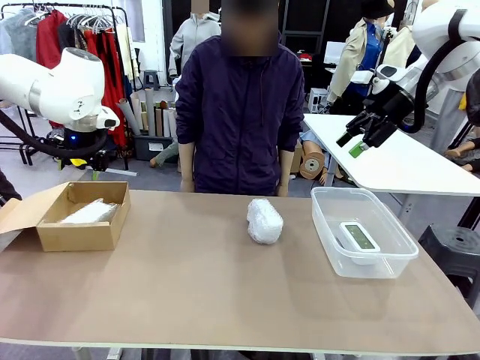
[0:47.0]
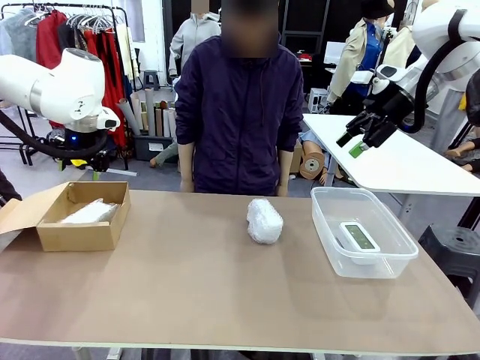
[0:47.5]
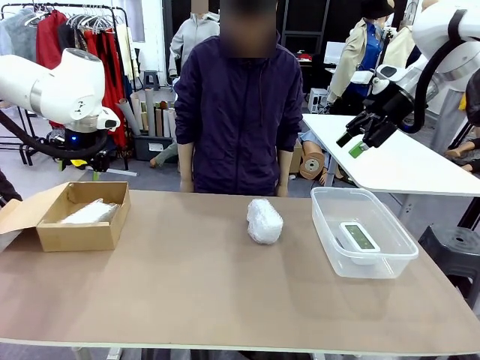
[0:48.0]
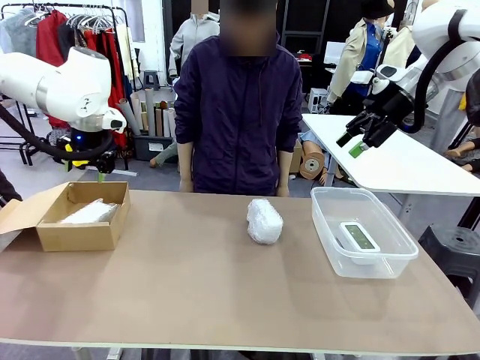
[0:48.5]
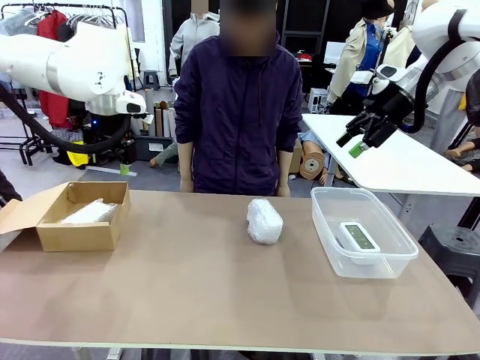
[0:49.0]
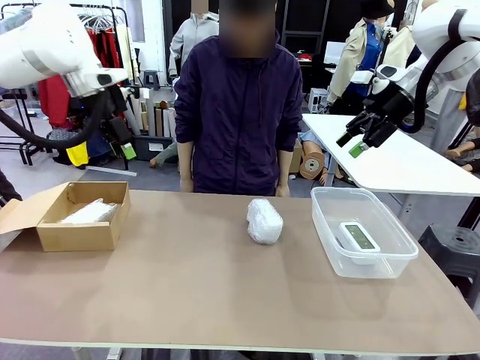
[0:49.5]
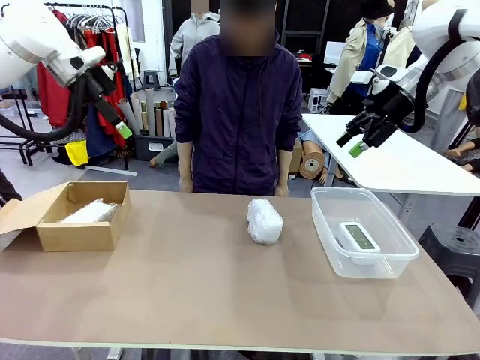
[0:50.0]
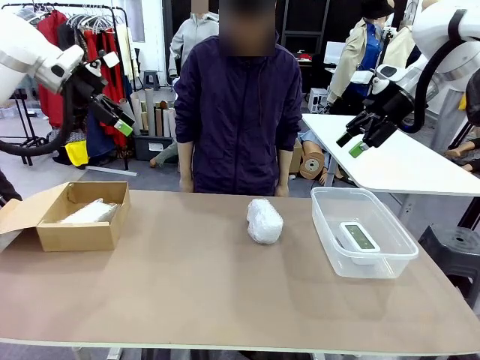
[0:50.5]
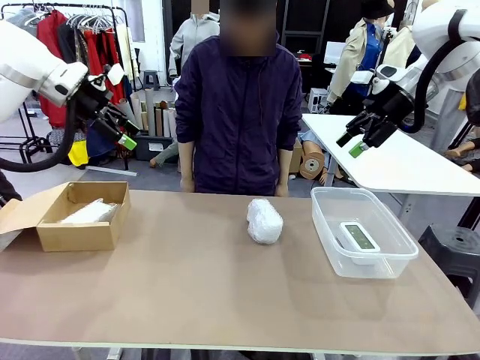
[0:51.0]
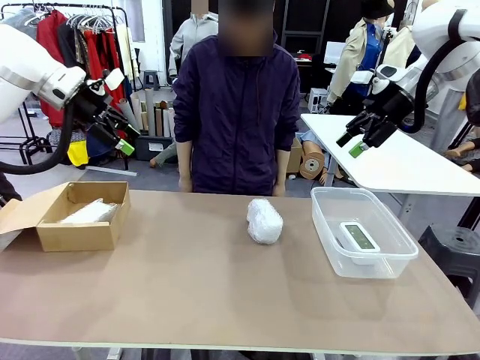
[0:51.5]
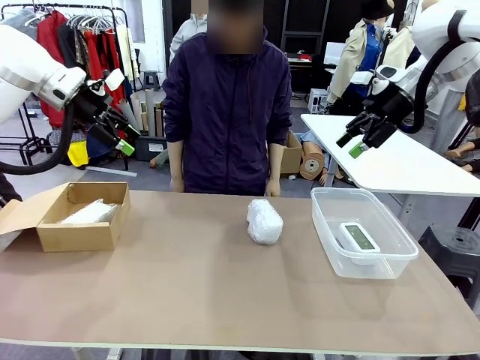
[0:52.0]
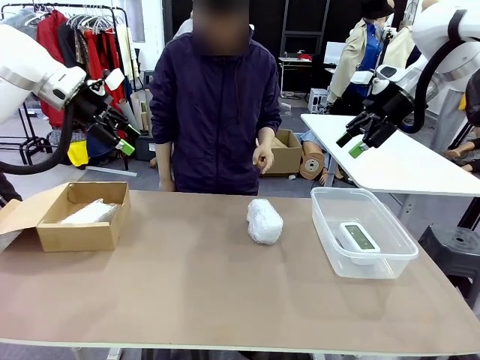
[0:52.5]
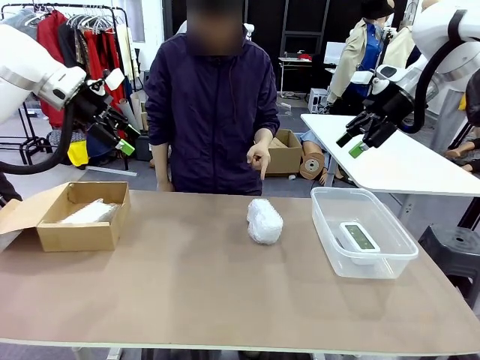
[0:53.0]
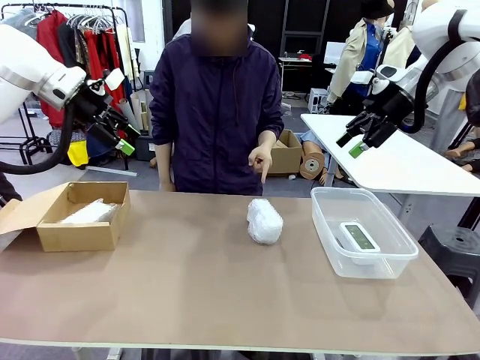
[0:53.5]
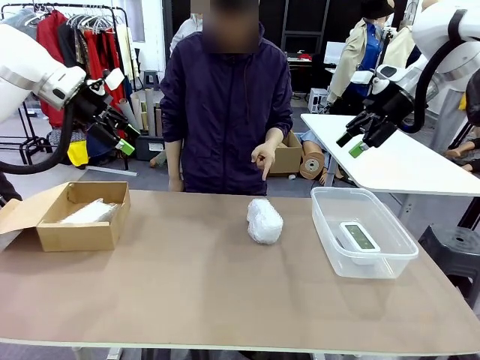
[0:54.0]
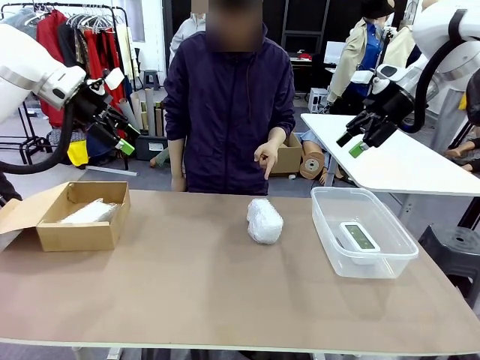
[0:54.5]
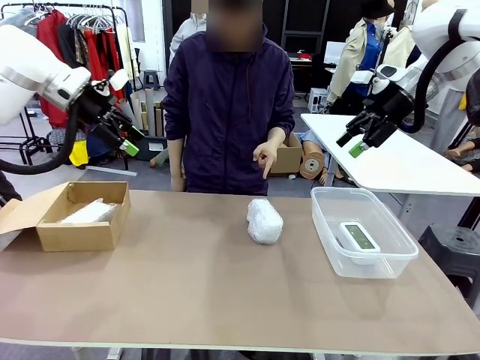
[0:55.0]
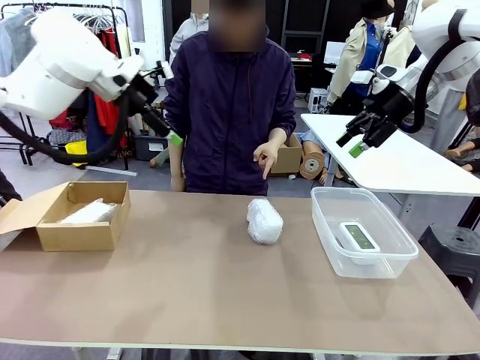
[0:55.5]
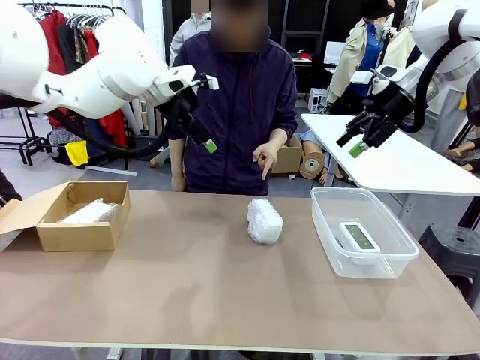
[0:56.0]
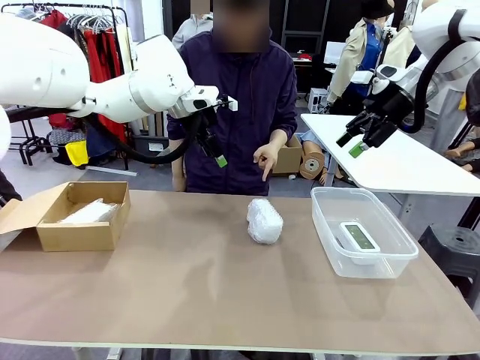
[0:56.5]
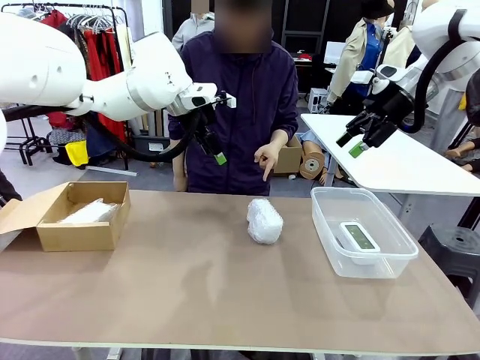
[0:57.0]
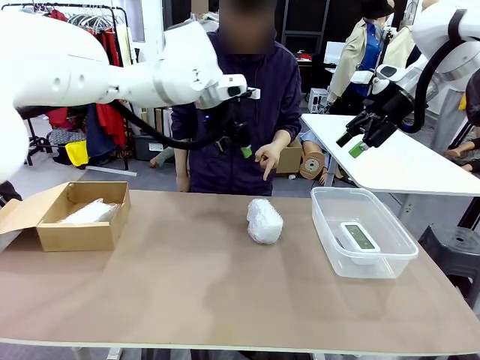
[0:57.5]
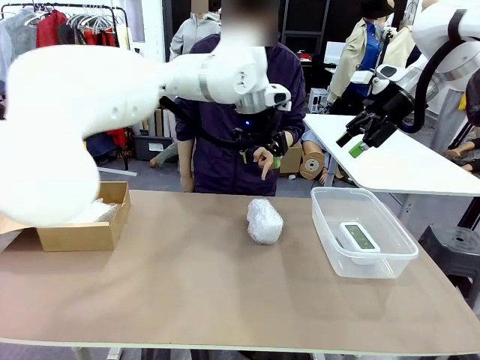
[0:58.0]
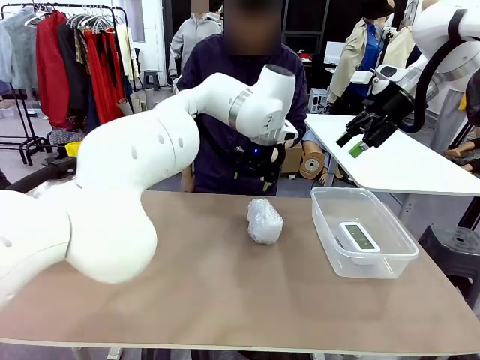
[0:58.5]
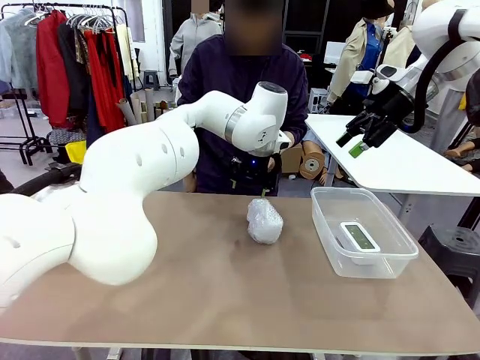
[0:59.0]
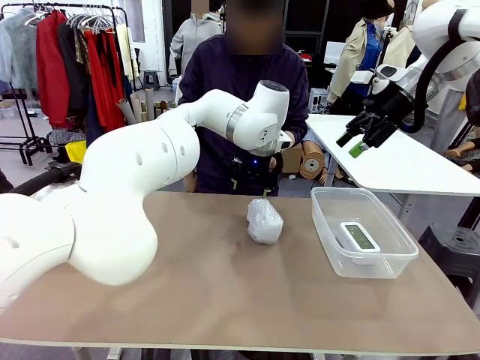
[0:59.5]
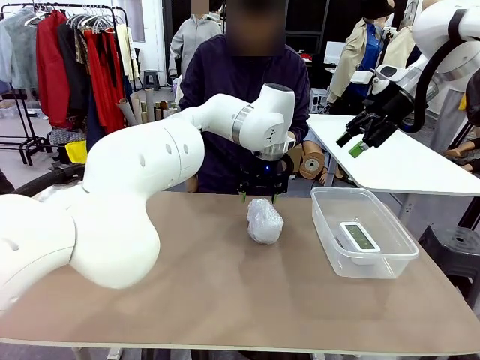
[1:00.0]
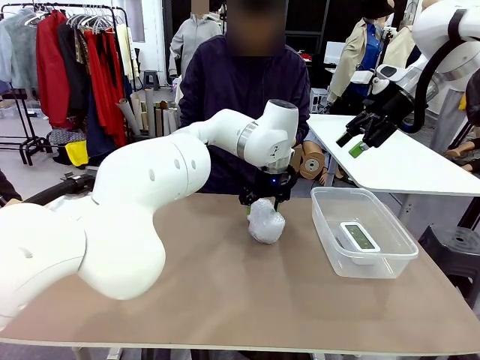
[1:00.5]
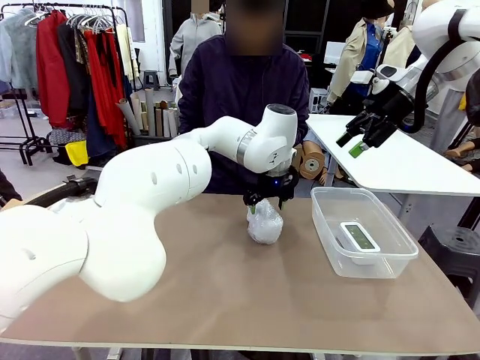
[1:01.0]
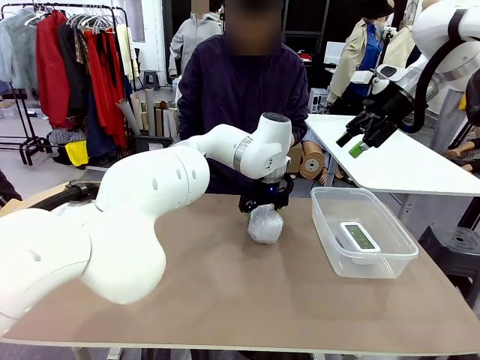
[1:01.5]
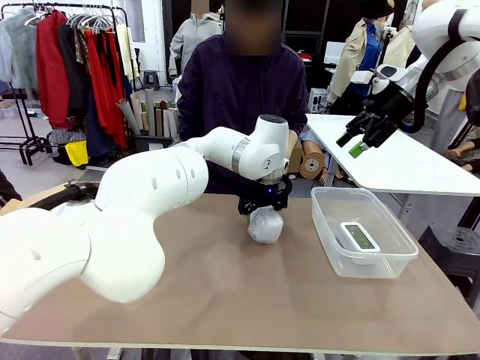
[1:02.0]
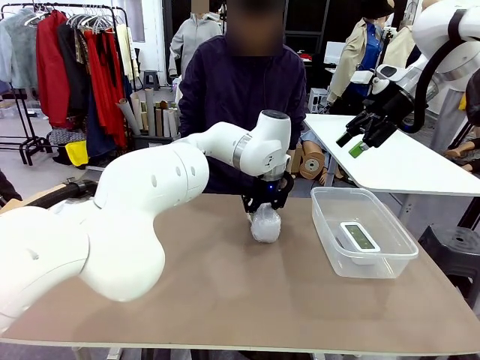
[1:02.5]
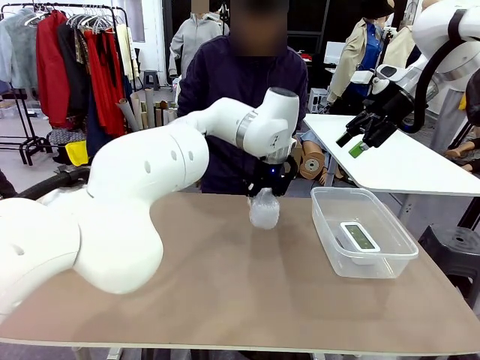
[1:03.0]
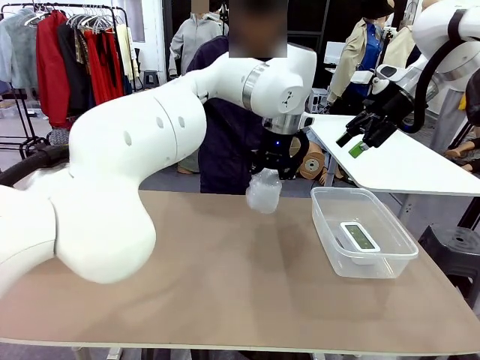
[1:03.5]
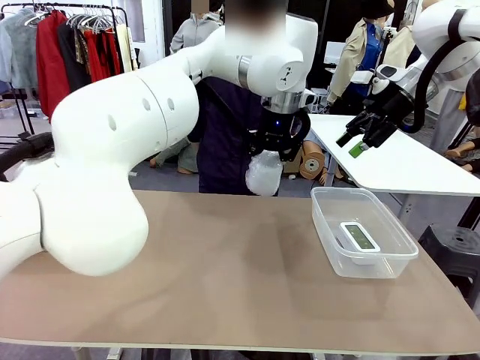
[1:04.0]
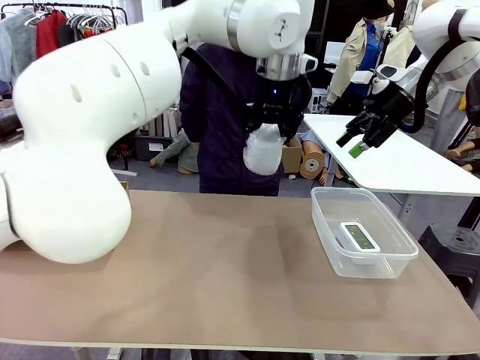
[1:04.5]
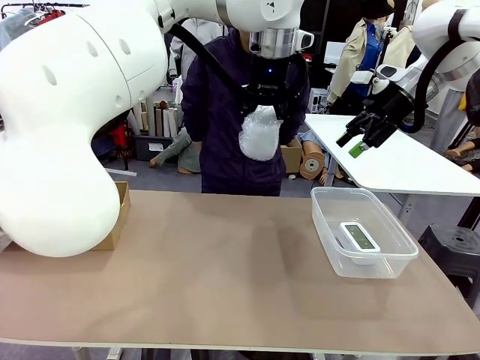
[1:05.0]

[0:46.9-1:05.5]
Task: Separate and place wrapped and unwrapped clocks.
Robot: Pick up the Digital clock indicated by the person.

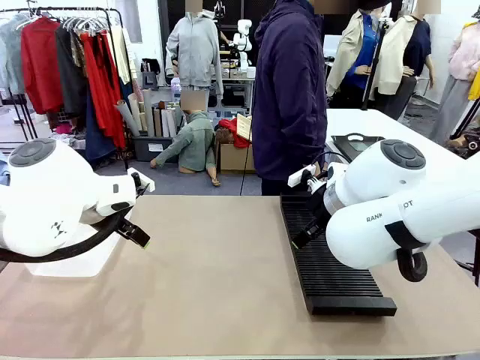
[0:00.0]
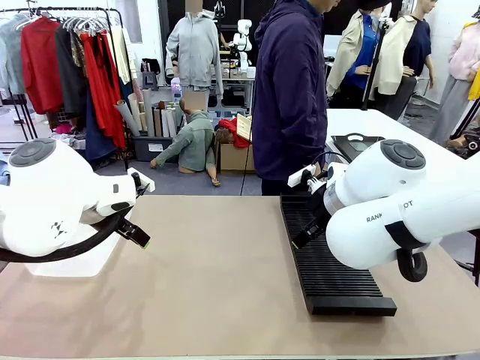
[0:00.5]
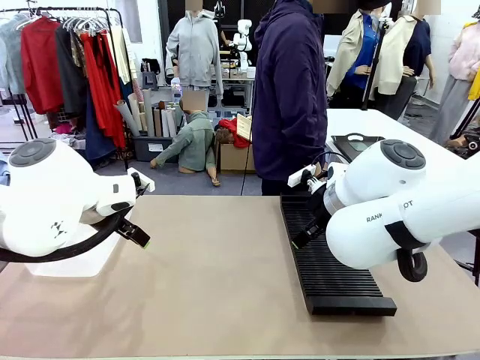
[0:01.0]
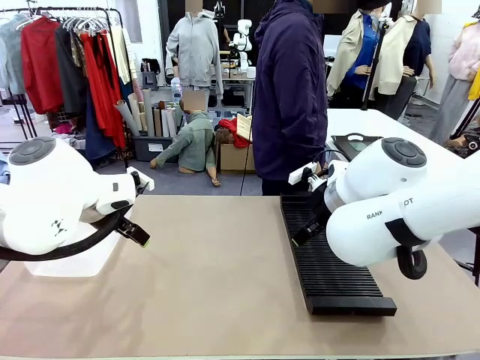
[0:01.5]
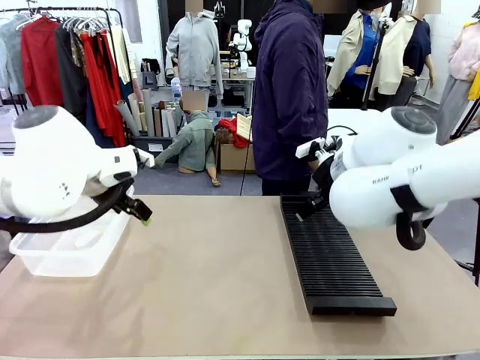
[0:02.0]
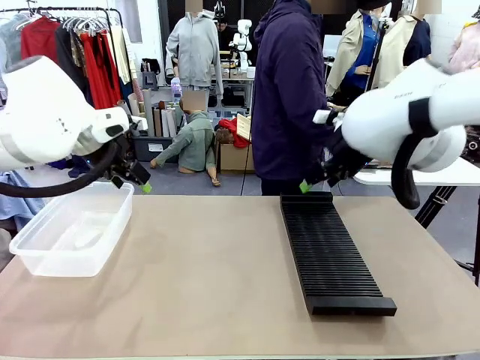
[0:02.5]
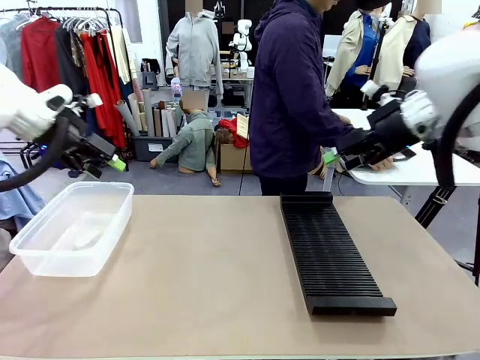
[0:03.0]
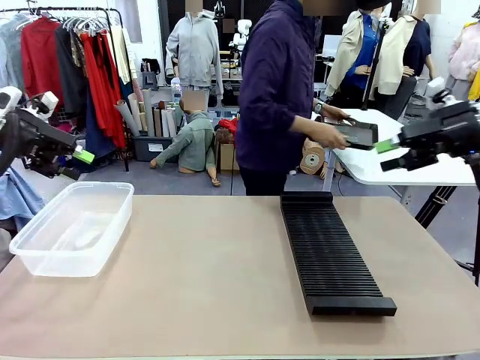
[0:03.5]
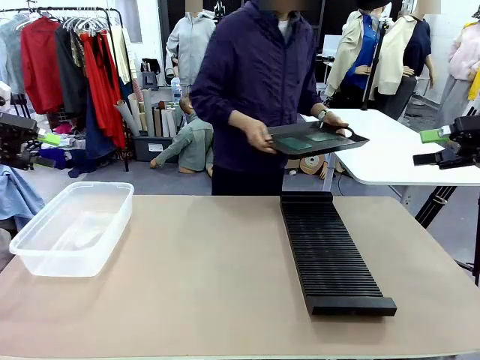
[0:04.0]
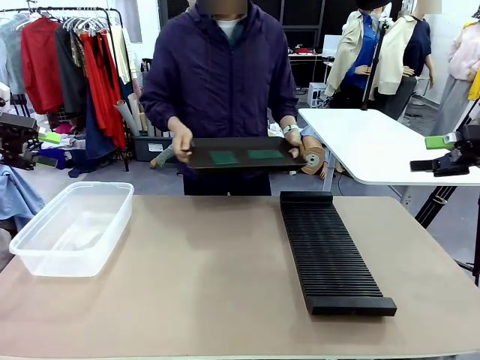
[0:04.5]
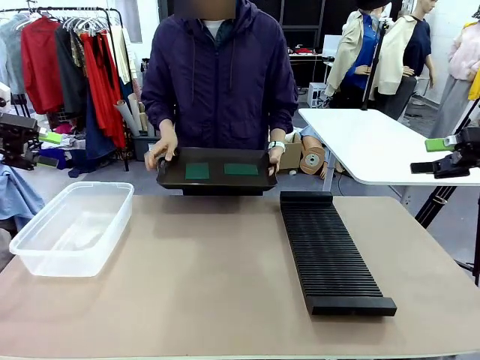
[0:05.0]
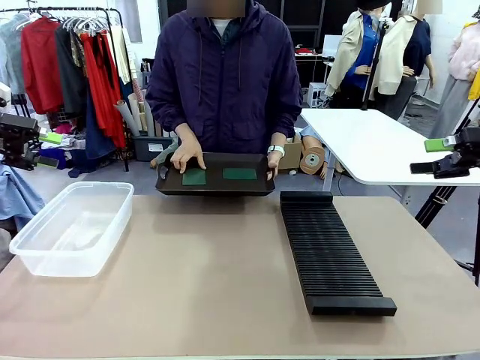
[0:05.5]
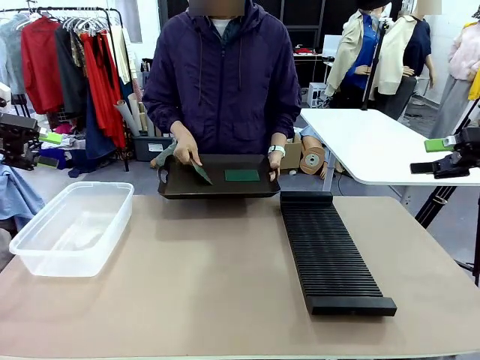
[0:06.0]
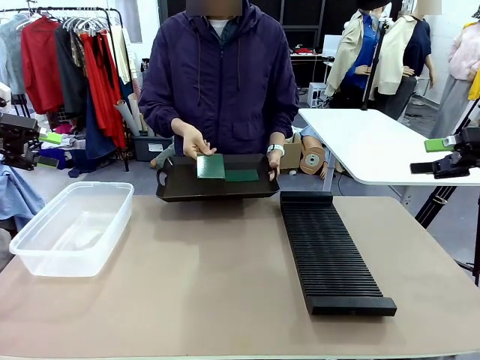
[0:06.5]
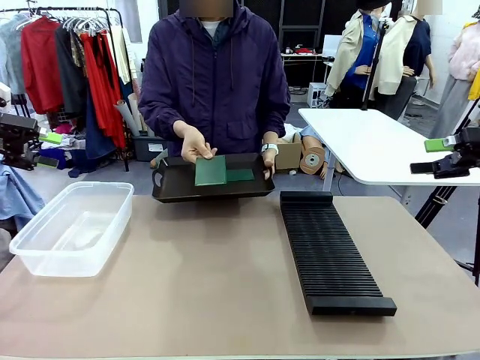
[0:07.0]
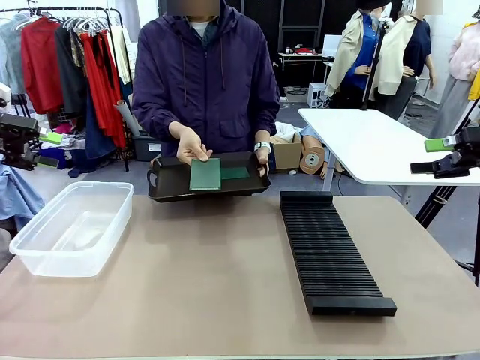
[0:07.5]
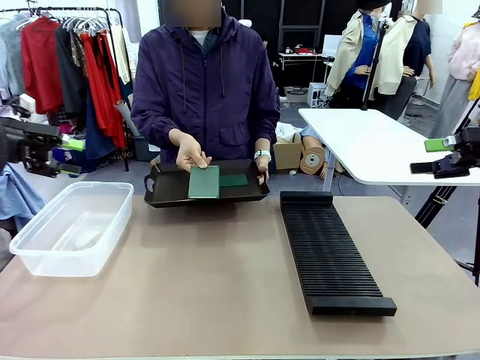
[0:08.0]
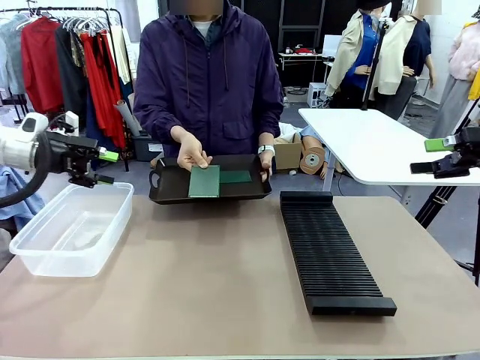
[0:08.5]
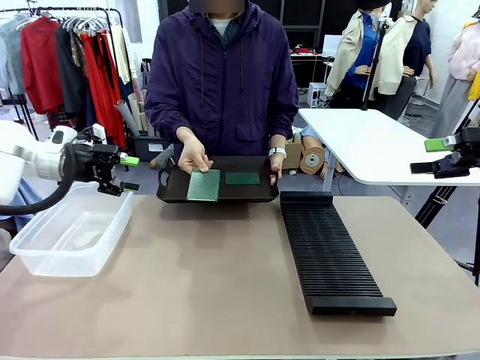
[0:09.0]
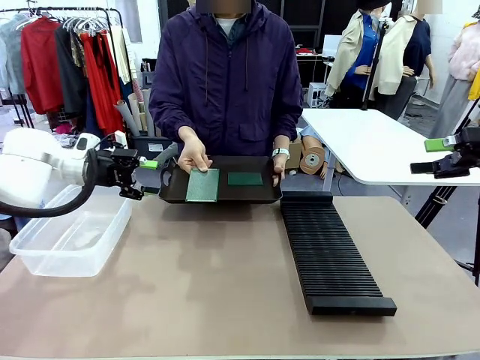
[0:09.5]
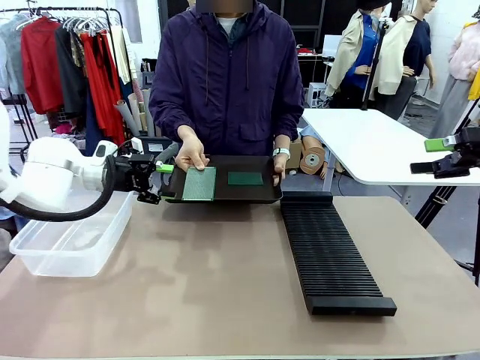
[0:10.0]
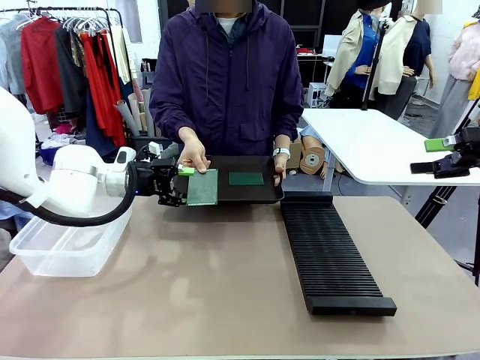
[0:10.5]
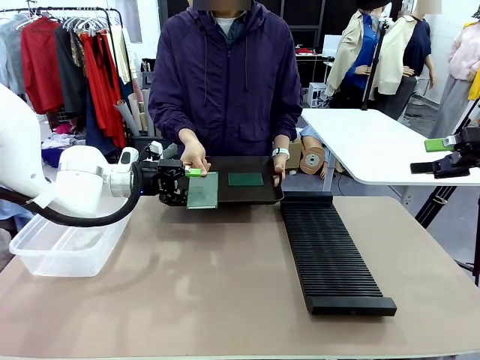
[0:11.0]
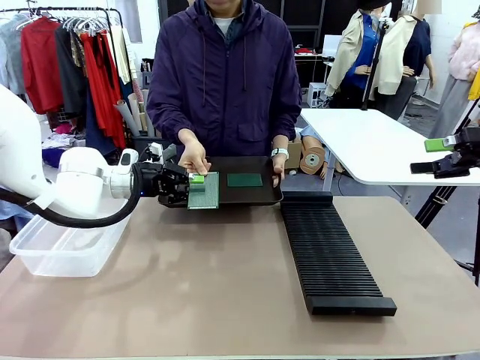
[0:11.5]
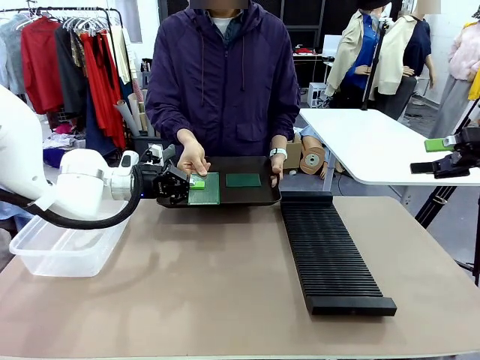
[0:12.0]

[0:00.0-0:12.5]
Task: Sort PCBs into racks and boxes based on the side picked up.
Robot: Pick up the Blank PCB handed by the Human.
Person: Pick one PCB from the tray and present it to the robot. Release the PCB being held.
